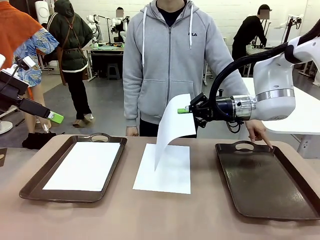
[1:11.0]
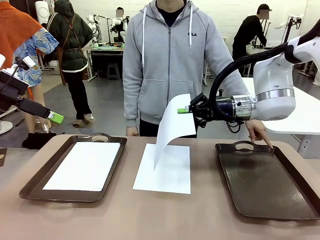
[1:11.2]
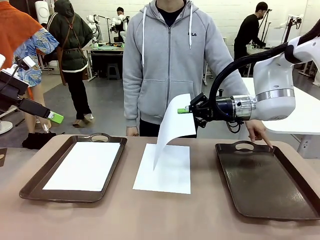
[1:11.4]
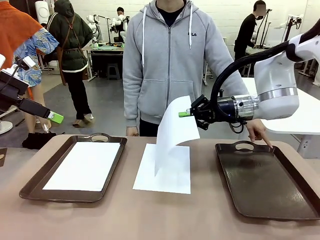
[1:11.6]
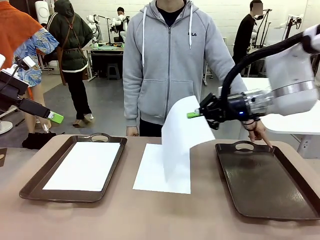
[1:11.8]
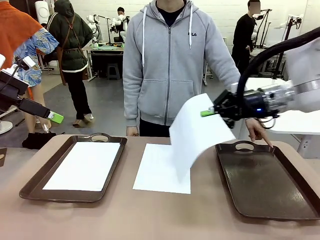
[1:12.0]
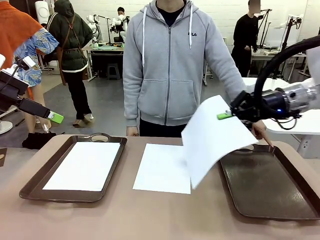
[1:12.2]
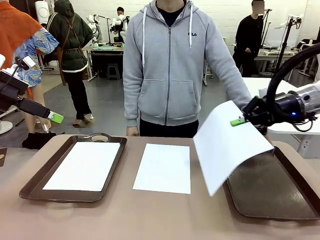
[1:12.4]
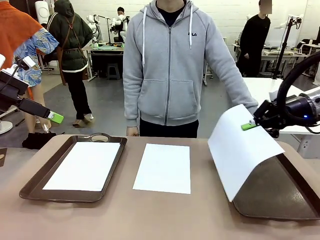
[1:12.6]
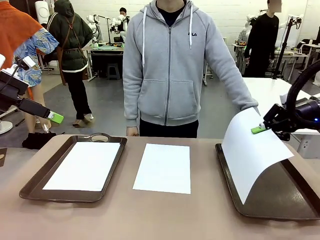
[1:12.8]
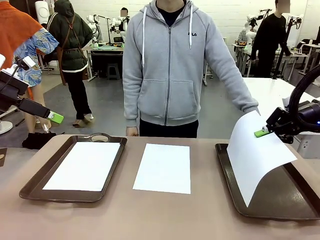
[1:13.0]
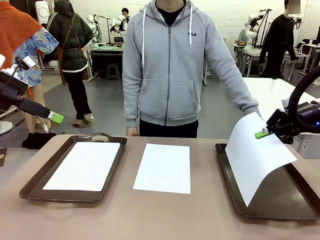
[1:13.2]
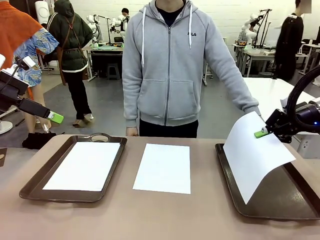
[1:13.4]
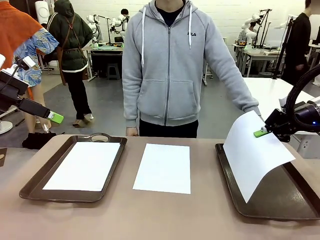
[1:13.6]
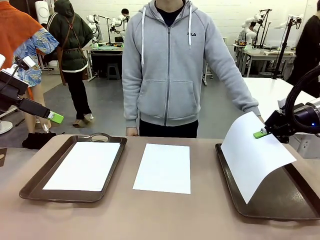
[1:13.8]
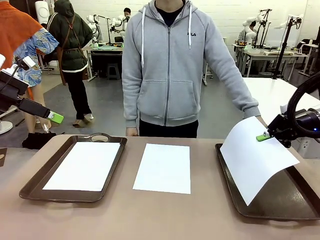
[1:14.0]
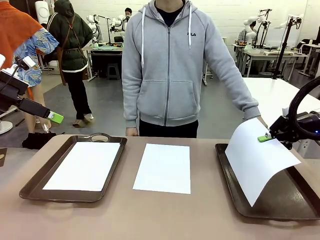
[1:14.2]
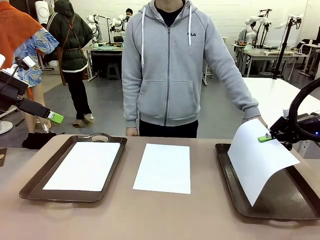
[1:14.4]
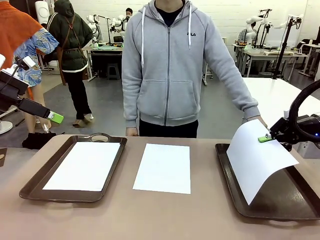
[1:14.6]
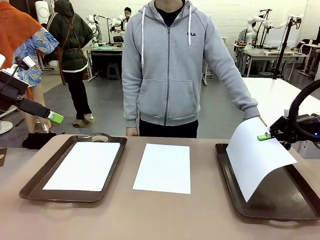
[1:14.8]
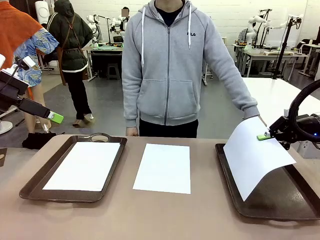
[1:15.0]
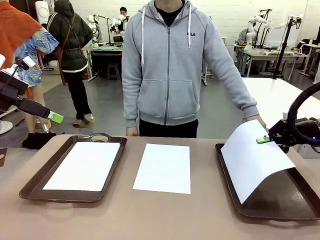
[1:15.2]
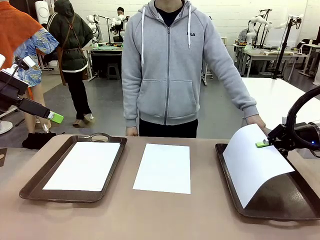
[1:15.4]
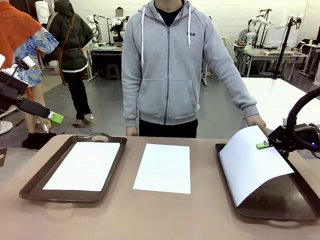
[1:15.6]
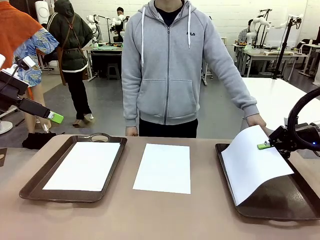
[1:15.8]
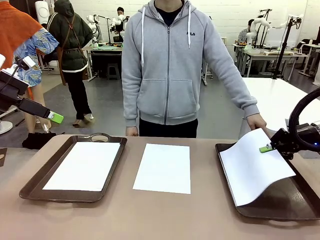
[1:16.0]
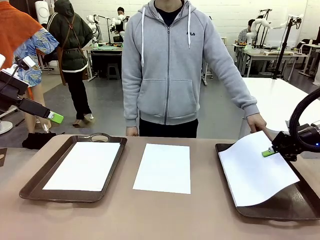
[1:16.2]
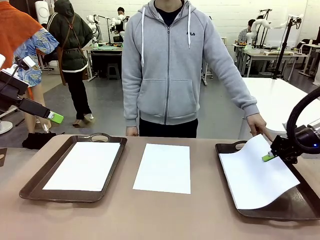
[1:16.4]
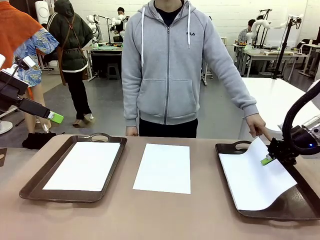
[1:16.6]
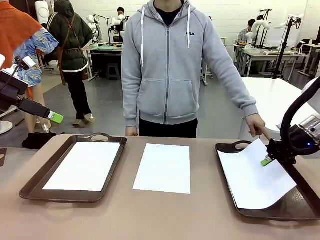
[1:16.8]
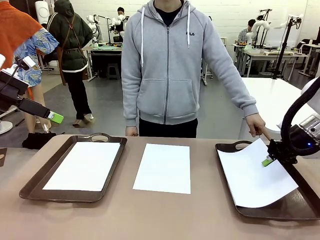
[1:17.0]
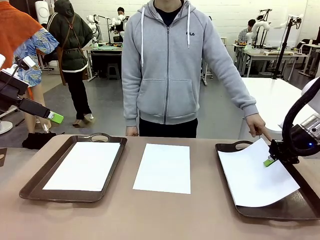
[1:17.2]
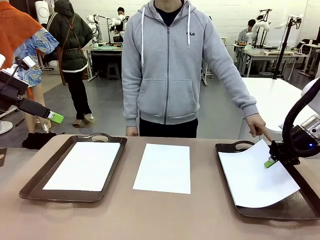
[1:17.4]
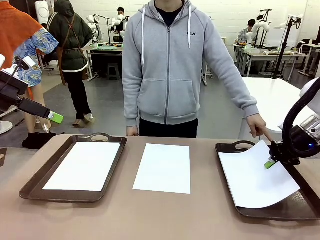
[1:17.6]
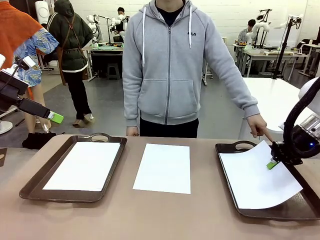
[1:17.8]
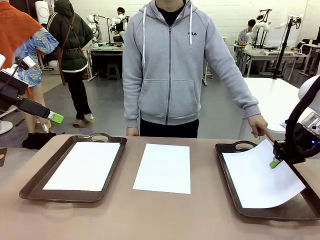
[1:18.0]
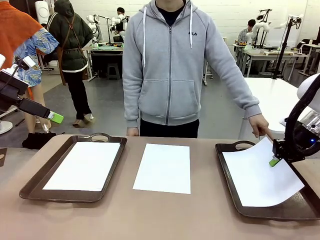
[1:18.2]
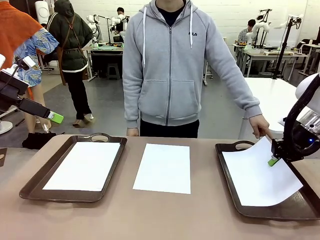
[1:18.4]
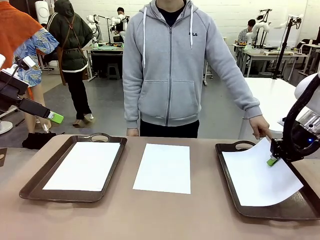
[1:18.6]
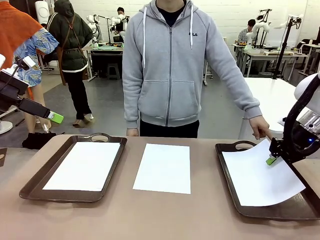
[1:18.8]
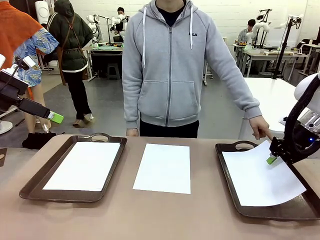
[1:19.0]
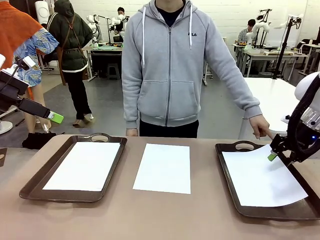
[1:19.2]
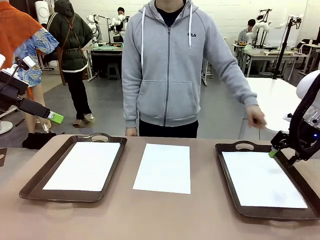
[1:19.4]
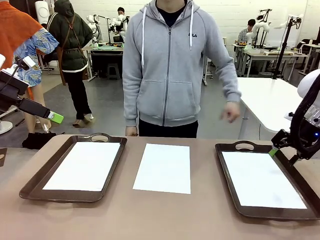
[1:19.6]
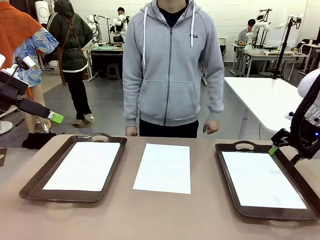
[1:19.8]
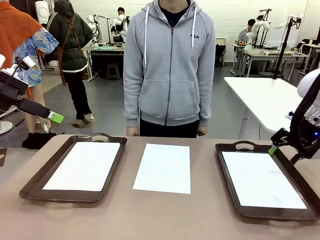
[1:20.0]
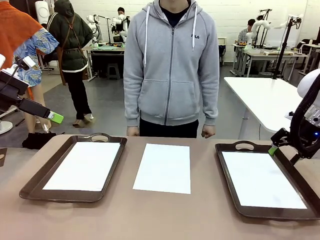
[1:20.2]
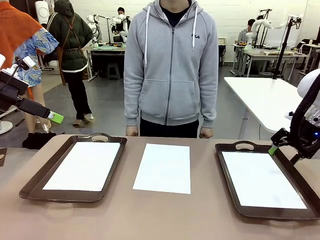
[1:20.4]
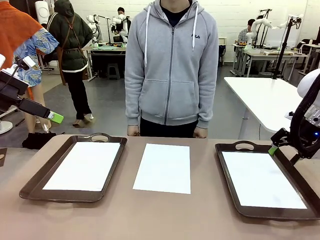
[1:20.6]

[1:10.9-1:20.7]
Task: Sort the A4 documents.
Robot: Place the A4 Paper in the designated Handle tray.

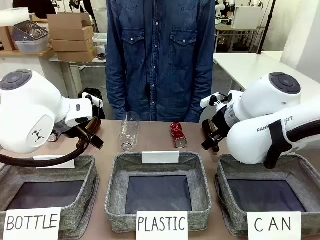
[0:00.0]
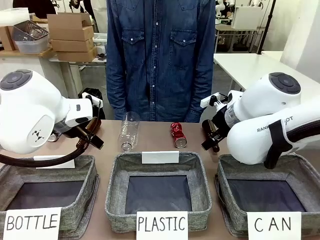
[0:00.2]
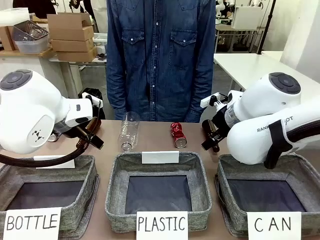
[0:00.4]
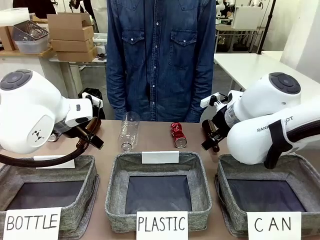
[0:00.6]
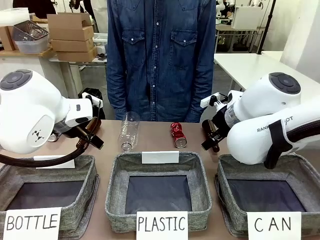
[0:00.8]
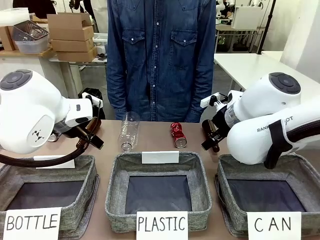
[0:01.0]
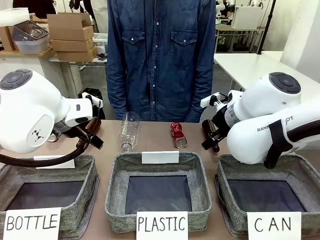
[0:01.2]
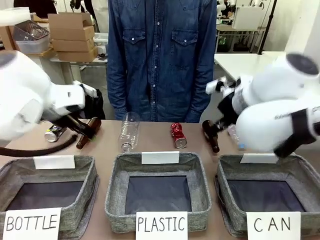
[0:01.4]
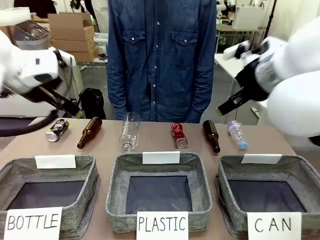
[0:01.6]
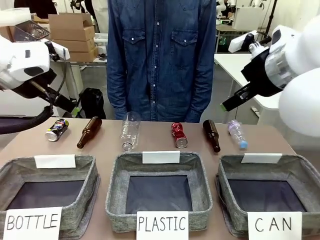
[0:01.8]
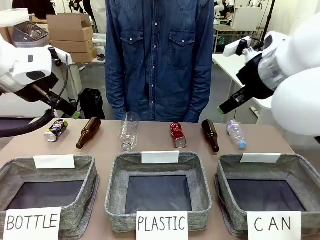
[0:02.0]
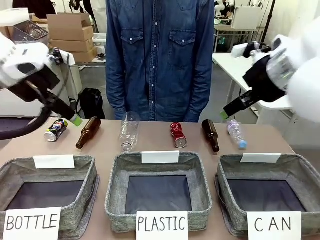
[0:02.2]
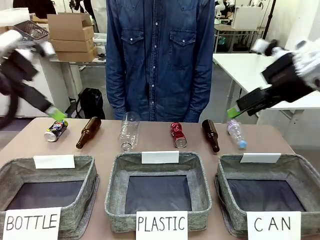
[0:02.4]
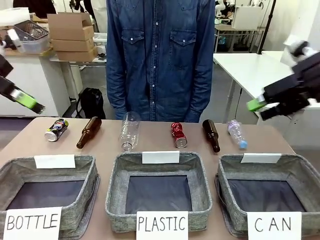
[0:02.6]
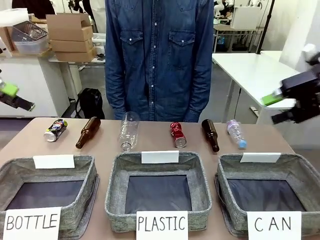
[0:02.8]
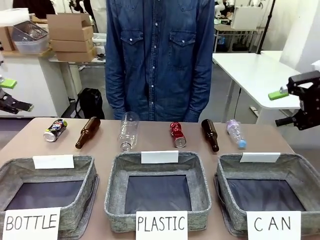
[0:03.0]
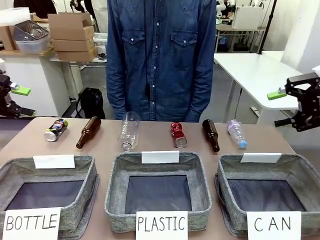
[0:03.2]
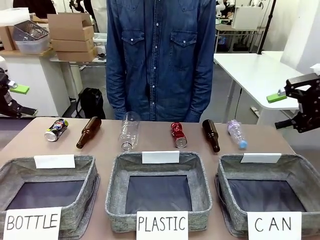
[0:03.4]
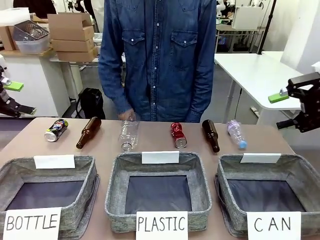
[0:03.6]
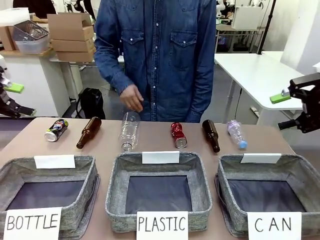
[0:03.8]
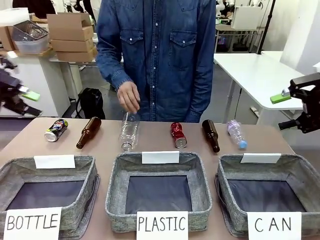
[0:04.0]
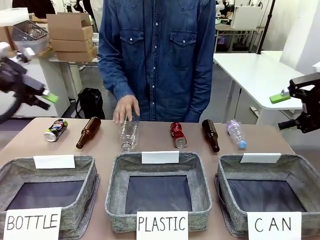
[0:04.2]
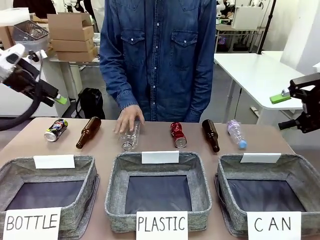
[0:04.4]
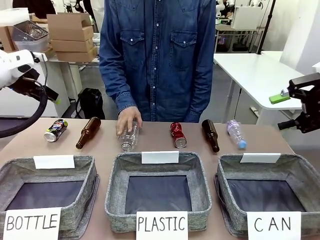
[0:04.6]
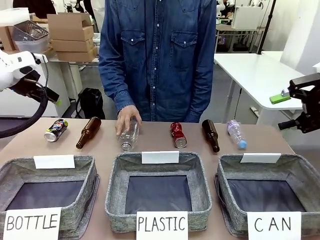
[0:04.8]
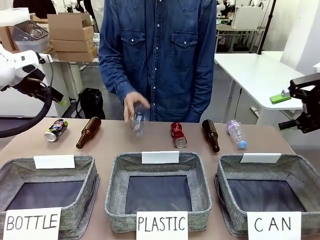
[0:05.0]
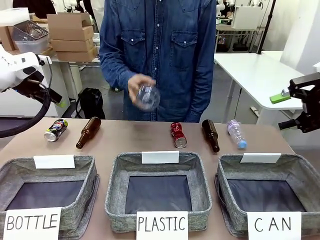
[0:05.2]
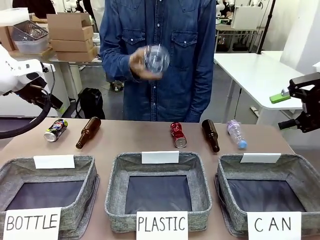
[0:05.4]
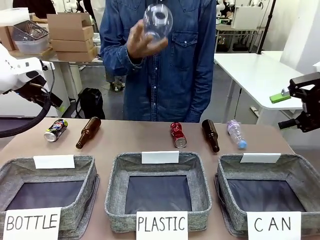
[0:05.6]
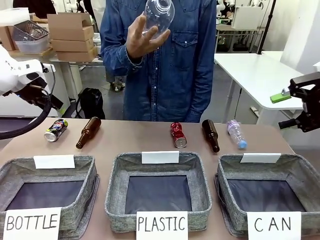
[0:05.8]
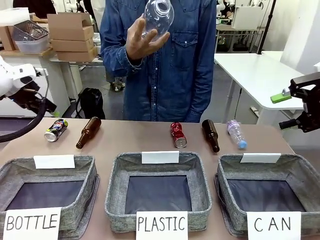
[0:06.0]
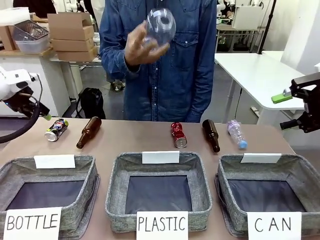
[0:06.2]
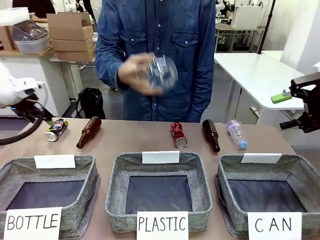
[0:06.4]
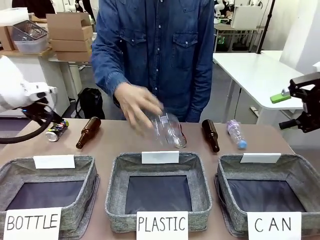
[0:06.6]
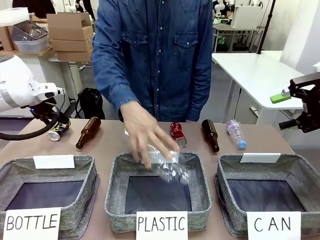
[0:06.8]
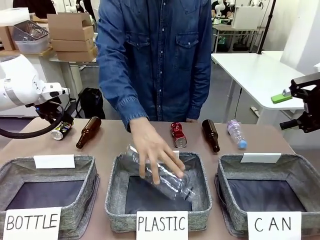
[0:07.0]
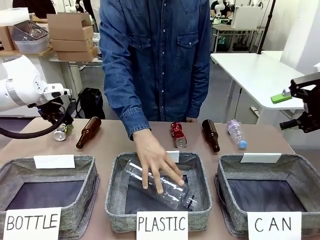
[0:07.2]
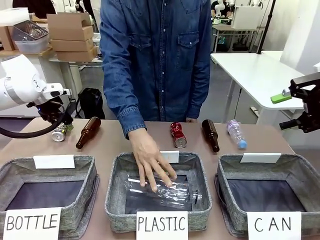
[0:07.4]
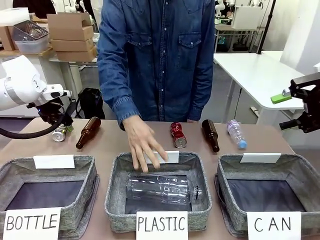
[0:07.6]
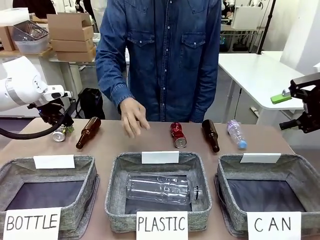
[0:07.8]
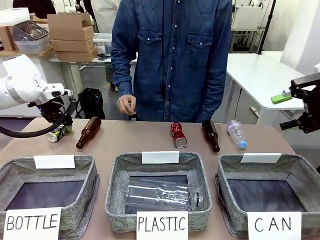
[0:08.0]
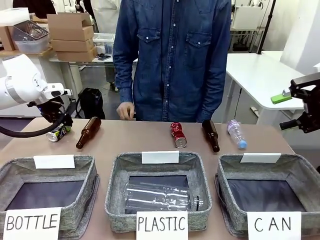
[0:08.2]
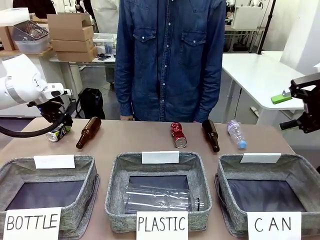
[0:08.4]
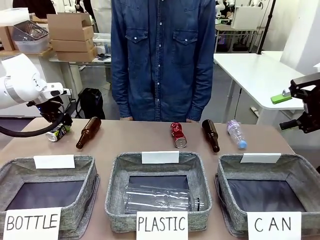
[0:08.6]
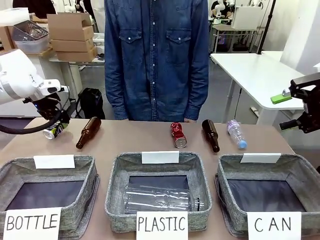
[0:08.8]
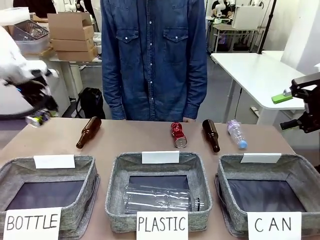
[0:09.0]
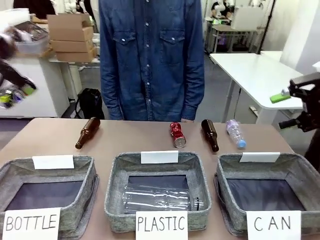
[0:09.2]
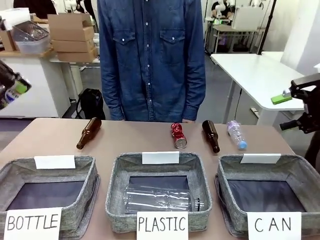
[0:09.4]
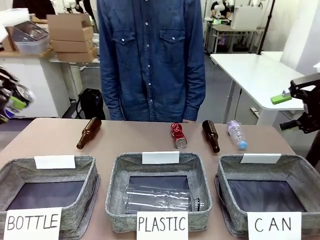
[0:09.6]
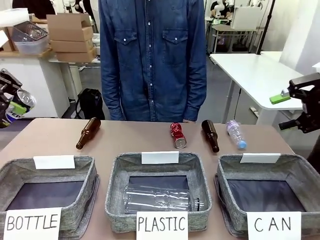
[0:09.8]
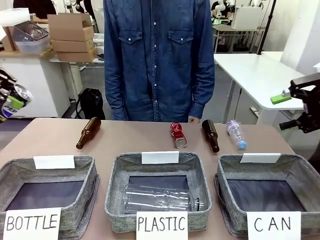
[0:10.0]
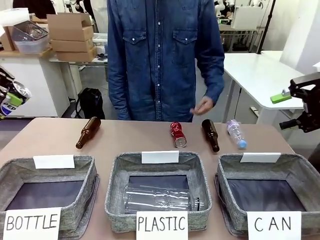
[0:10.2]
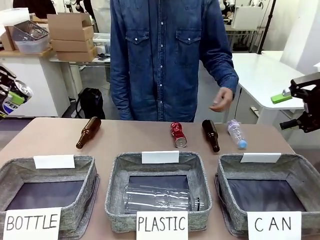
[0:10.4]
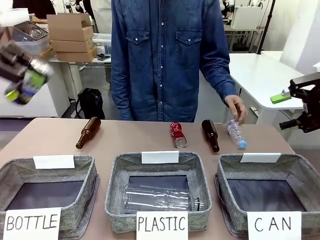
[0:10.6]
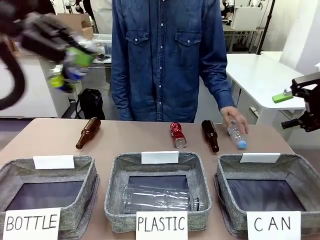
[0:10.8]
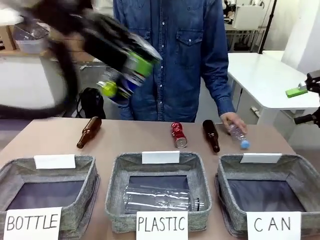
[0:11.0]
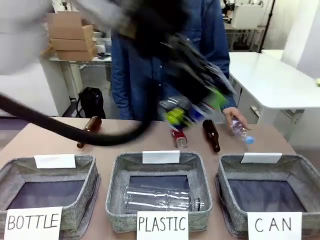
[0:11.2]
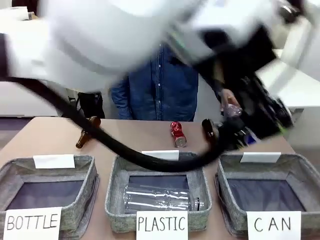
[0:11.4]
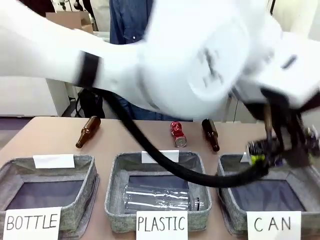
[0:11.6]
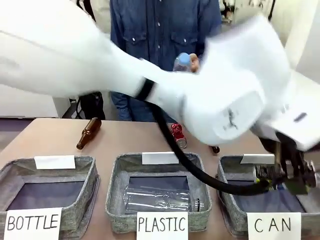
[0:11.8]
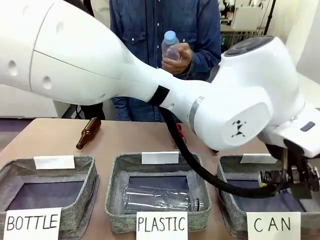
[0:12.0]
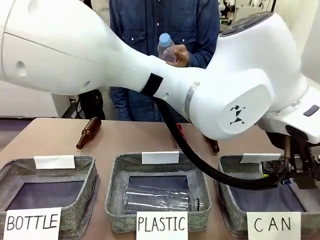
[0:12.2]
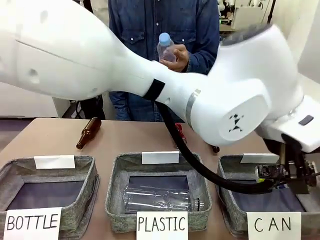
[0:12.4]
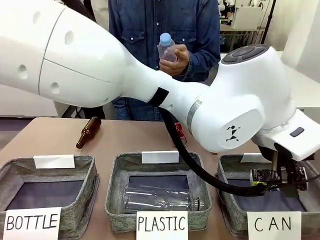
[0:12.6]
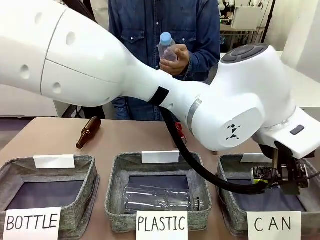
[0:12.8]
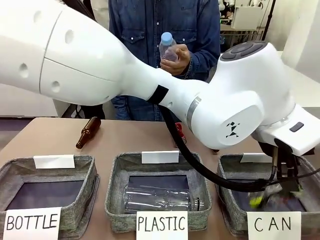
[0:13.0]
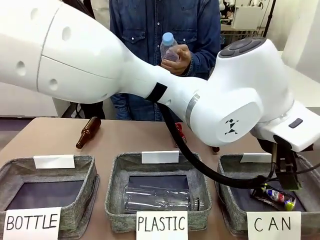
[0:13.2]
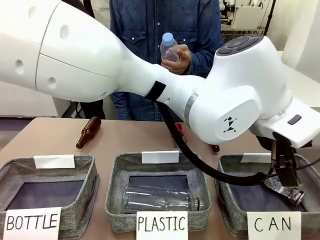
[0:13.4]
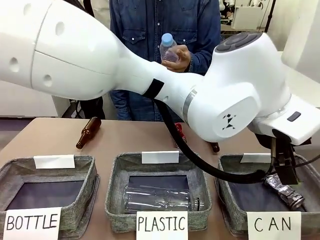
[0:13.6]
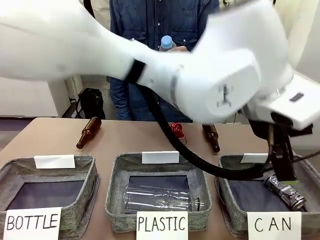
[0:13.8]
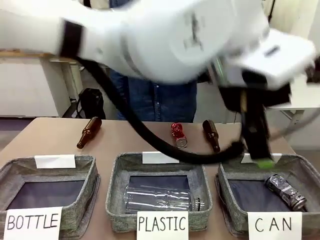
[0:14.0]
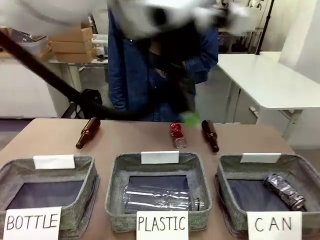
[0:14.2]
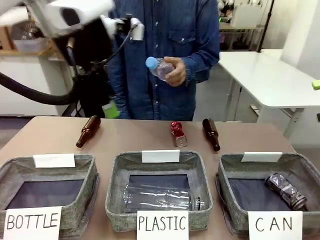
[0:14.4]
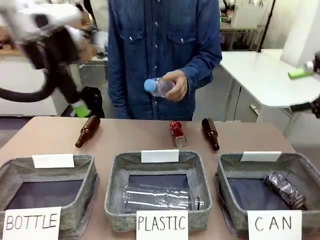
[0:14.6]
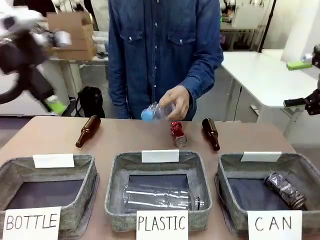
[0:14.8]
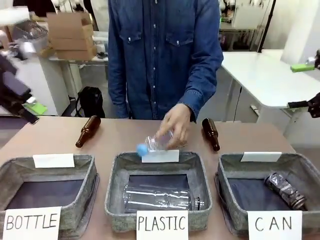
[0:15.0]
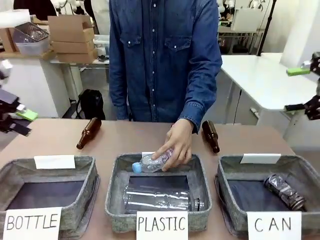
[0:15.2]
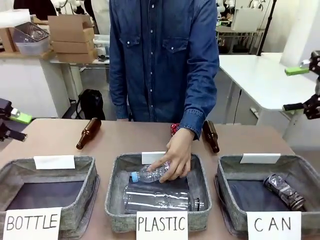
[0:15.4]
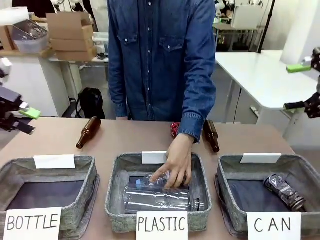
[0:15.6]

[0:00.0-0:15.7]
Task: Sort the can waste into the basket.
Robot: Pick up the can waste from the table and place it in the right Fabric basket.
